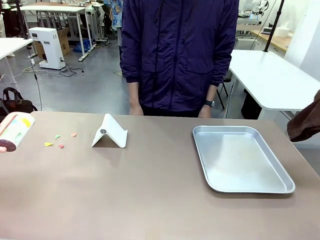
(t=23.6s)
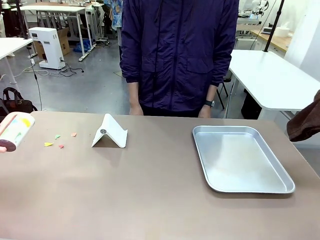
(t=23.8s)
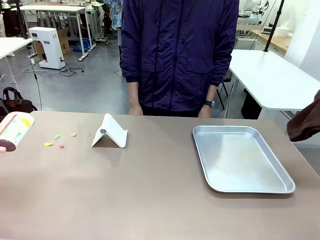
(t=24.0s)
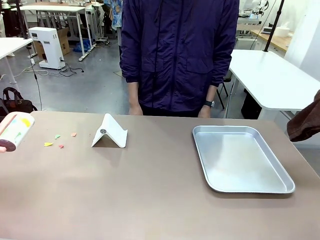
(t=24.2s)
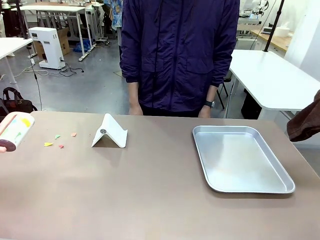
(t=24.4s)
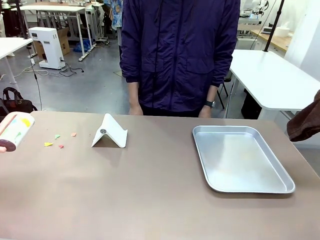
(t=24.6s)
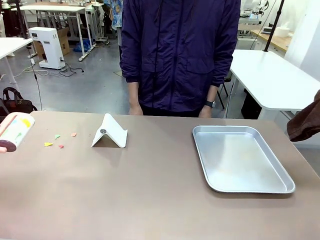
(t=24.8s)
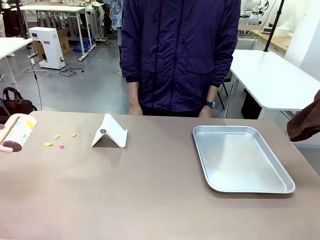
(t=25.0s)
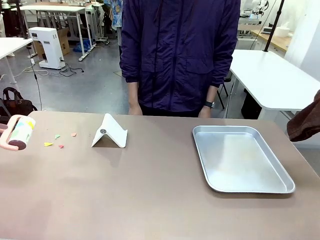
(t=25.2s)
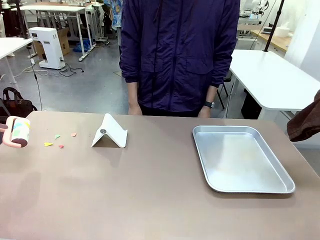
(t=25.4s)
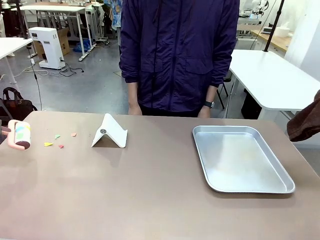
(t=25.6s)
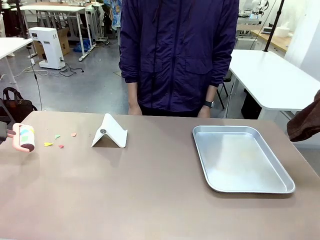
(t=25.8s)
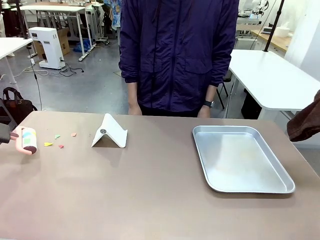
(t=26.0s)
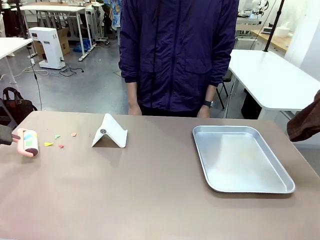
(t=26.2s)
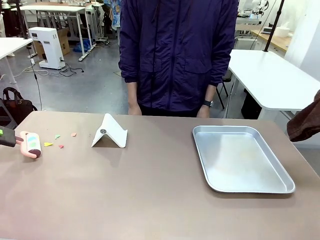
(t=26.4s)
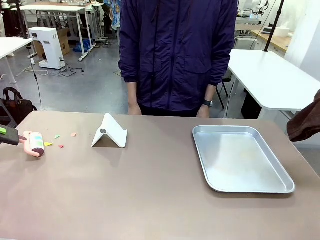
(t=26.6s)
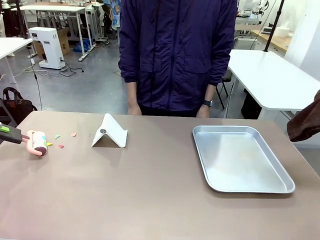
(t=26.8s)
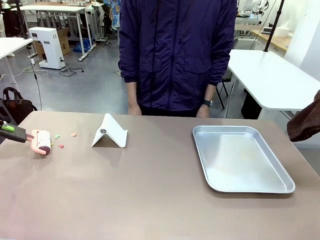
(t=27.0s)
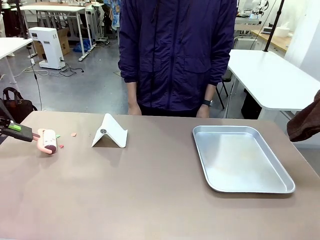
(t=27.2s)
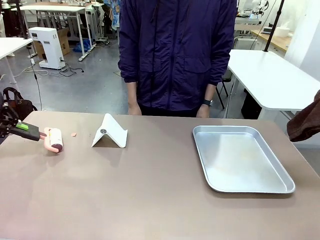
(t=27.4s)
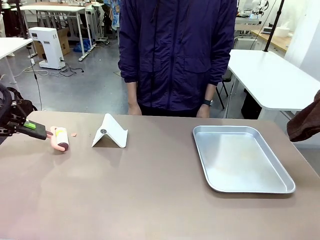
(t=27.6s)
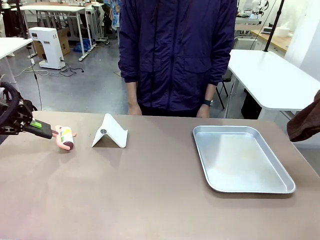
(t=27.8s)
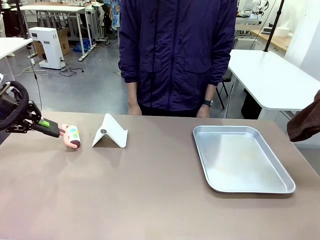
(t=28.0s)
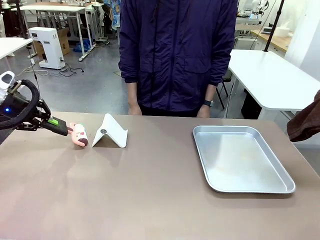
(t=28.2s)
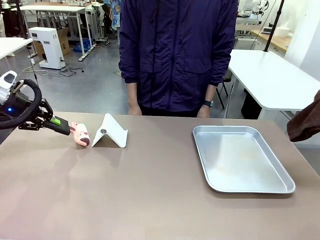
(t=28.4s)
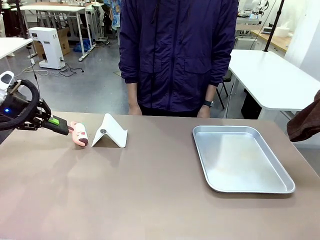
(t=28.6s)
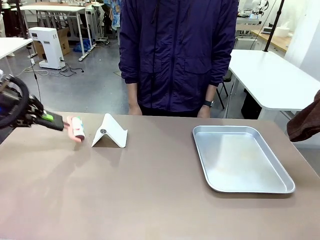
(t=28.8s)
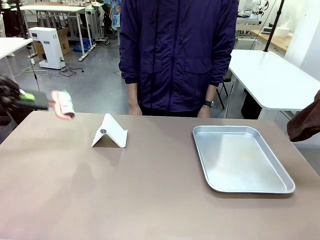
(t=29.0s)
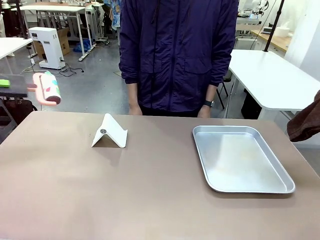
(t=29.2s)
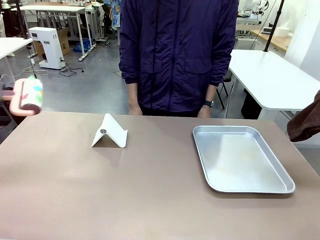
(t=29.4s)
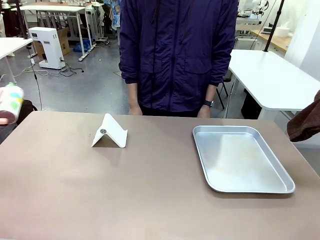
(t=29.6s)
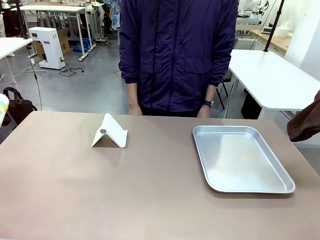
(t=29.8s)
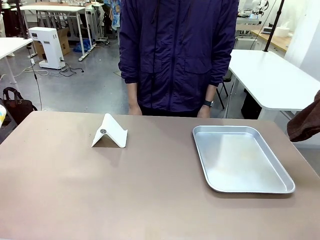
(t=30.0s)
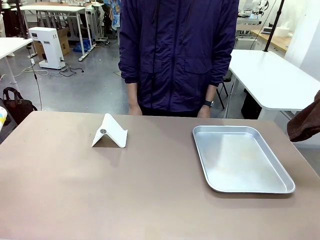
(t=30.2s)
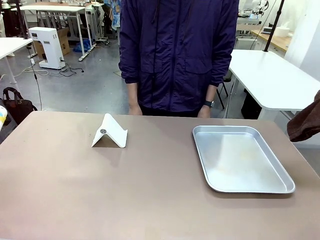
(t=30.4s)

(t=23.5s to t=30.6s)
Task: Clean the surface of the table.
Robot: Clean the area not pointed to by the person.

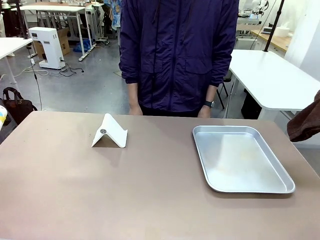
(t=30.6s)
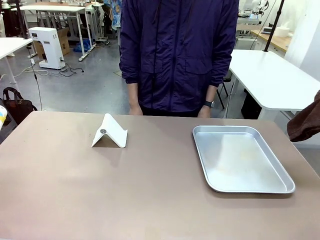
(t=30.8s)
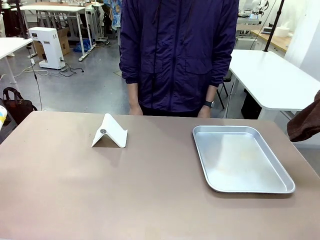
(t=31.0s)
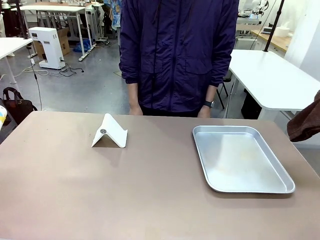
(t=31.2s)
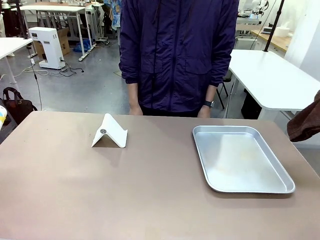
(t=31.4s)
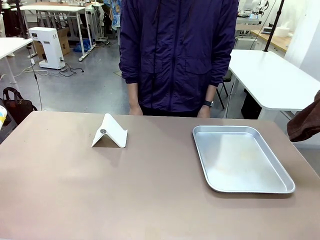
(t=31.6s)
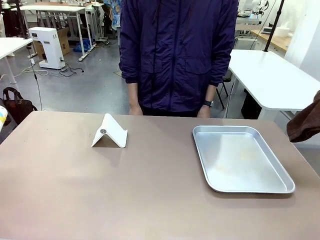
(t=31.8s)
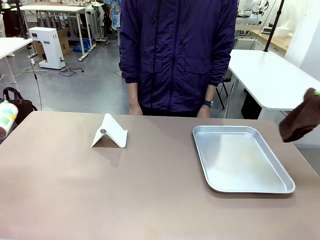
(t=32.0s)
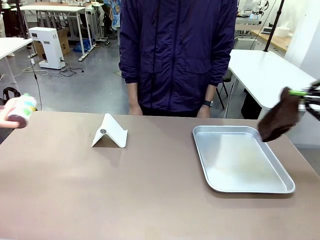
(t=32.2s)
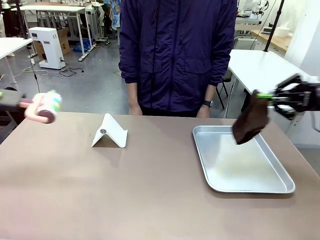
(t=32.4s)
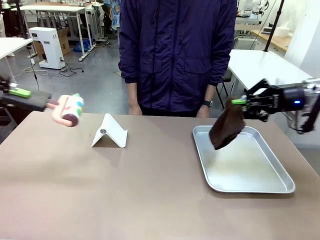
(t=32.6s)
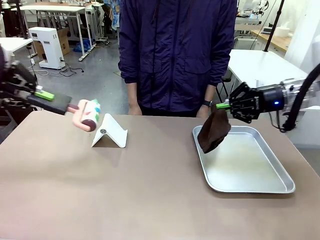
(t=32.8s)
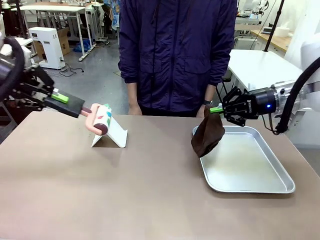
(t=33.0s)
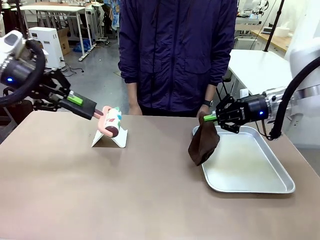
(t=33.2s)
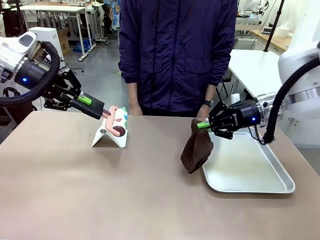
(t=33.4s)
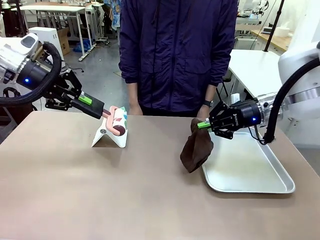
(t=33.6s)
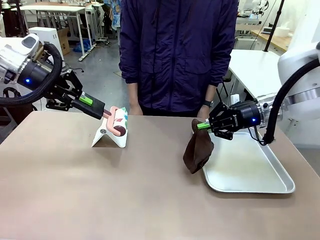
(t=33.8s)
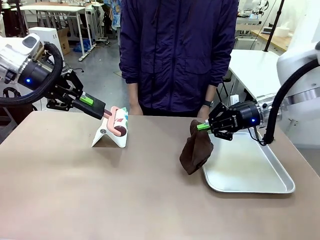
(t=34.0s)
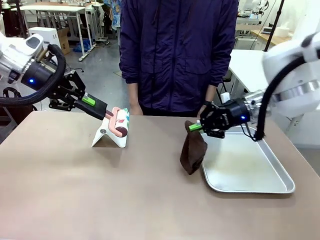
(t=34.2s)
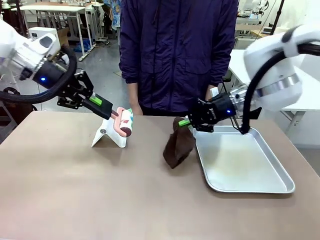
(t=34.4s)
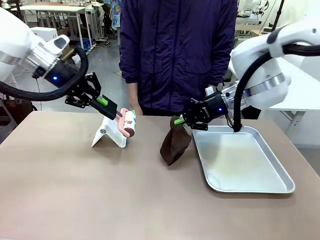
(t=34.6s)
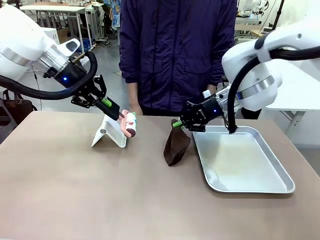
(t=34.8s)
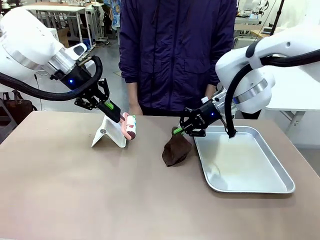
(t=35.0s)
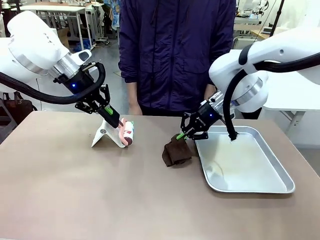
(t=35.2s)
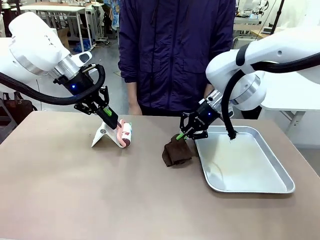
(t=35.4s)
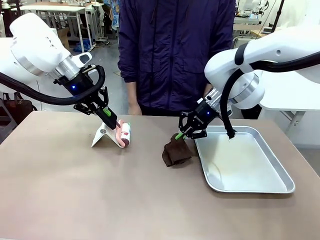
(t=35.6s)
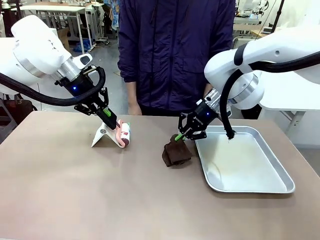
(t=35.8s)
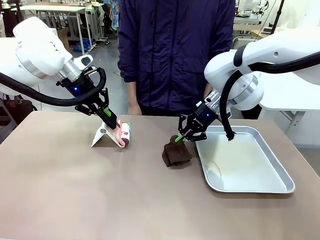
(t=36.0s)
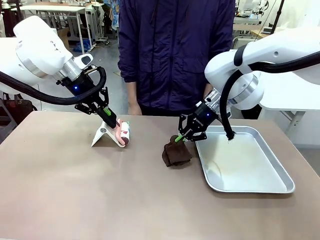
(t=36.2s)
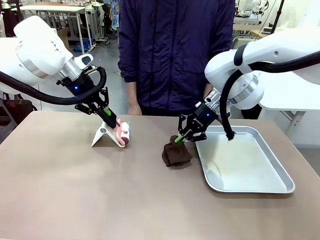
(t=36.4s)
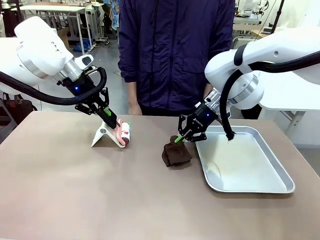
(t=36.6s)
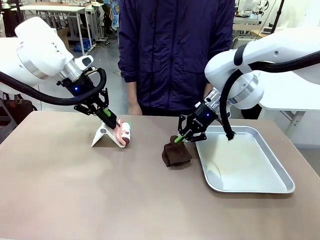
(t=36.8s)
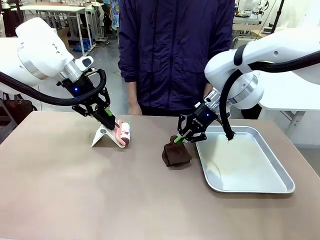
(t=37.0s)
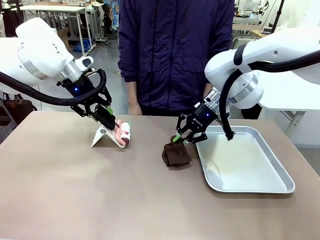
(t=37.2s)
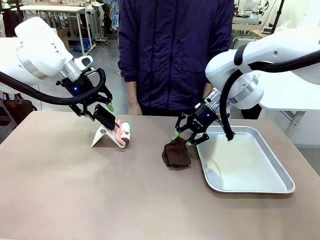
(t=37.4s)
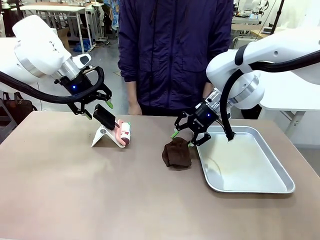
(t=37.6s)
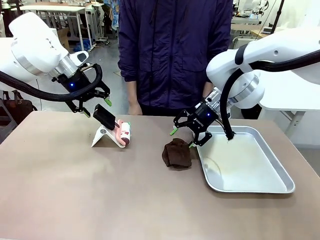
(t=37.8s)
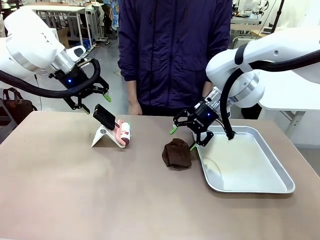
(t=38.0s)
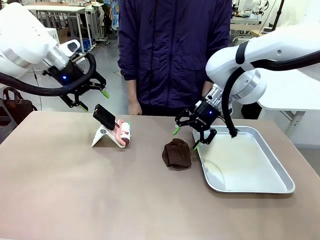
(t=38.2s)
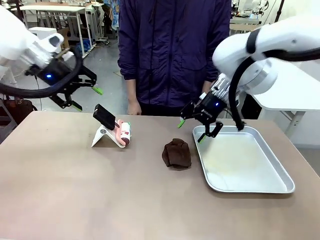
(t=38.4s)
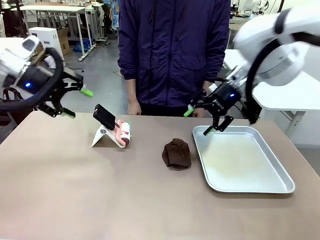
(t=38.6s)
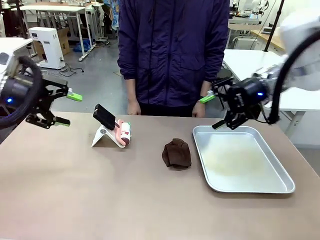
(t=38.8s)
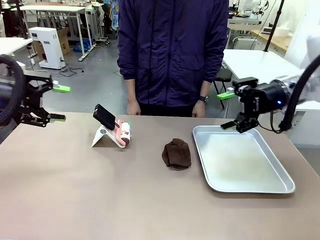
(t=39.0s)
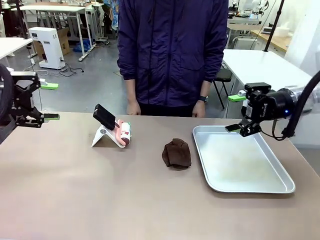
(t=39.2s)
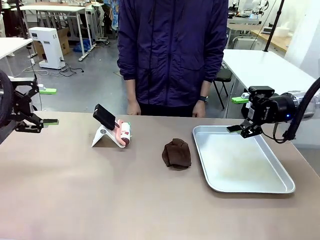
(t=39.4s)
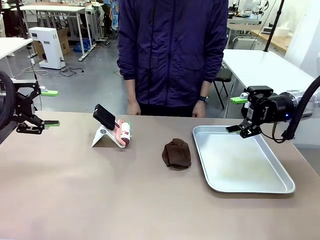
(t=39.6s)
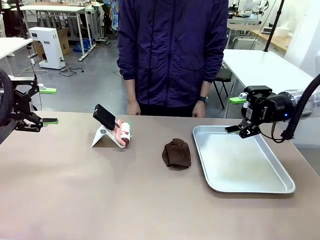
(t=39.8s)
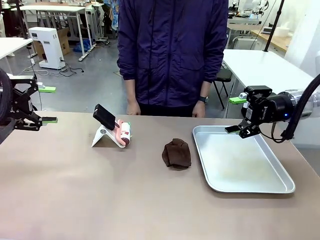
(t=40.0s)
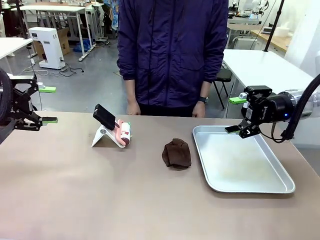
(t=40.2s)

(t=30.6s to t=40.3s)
Robot: Return the Lint Roller and towel to their original positions.

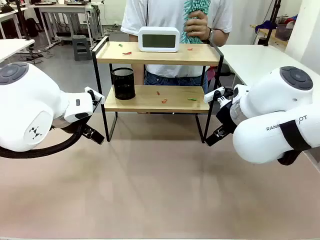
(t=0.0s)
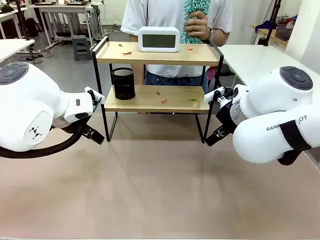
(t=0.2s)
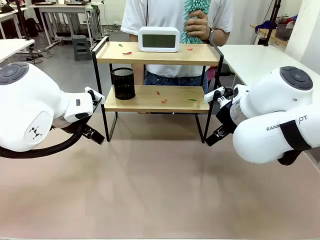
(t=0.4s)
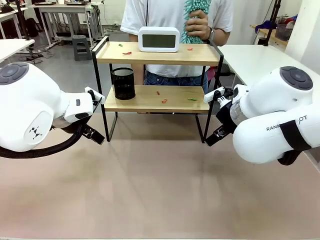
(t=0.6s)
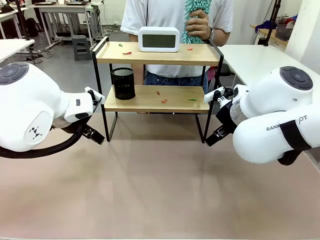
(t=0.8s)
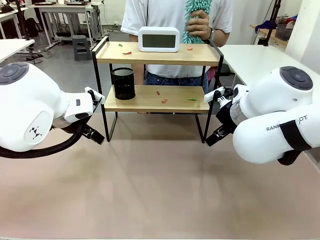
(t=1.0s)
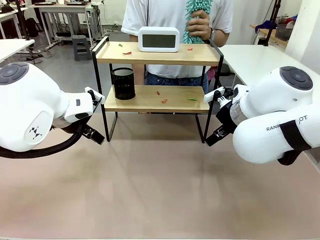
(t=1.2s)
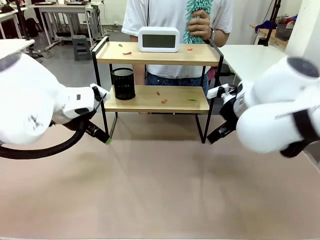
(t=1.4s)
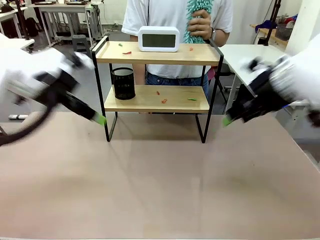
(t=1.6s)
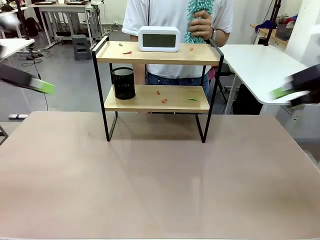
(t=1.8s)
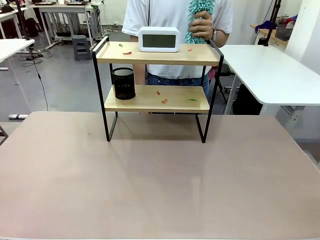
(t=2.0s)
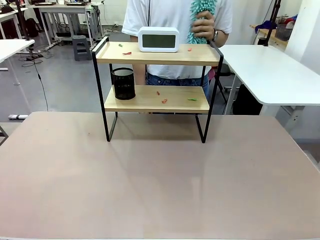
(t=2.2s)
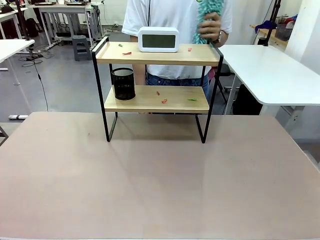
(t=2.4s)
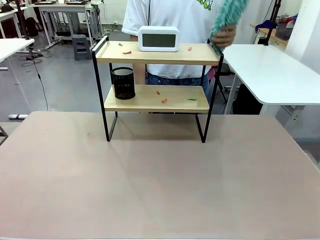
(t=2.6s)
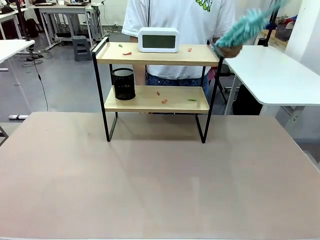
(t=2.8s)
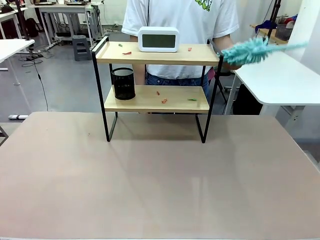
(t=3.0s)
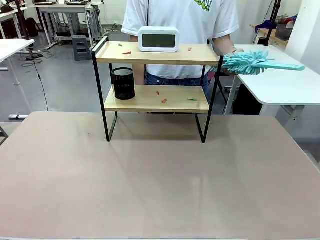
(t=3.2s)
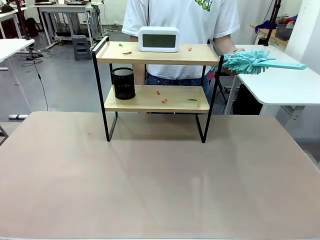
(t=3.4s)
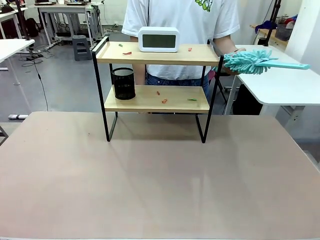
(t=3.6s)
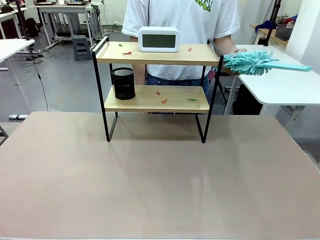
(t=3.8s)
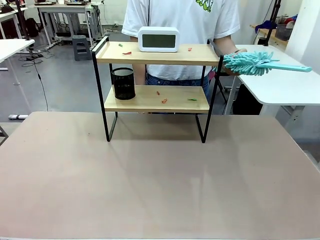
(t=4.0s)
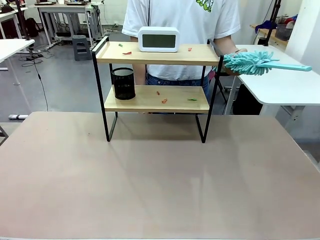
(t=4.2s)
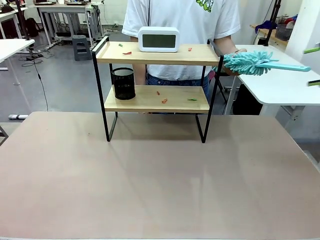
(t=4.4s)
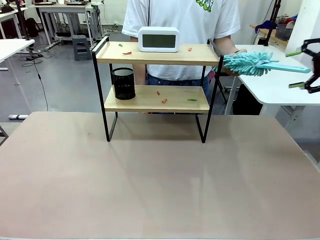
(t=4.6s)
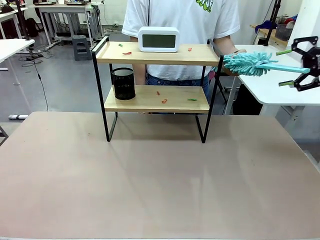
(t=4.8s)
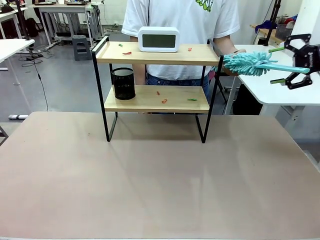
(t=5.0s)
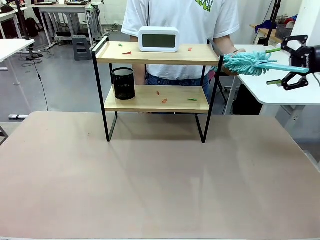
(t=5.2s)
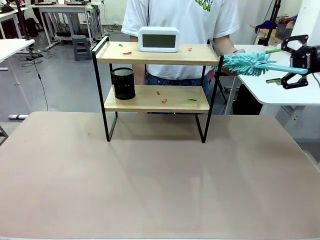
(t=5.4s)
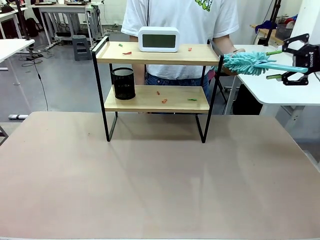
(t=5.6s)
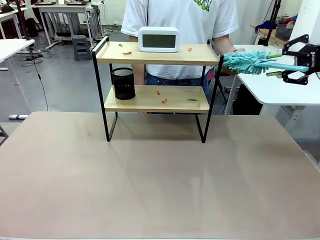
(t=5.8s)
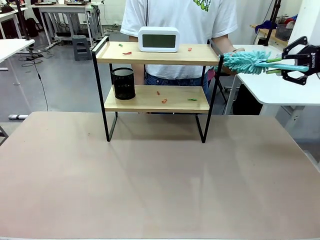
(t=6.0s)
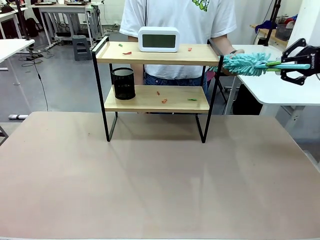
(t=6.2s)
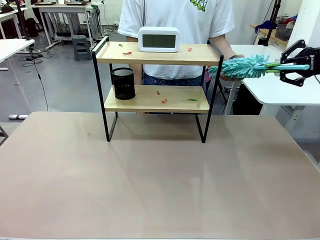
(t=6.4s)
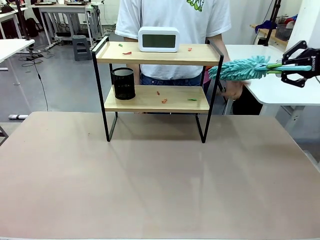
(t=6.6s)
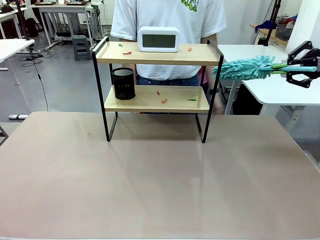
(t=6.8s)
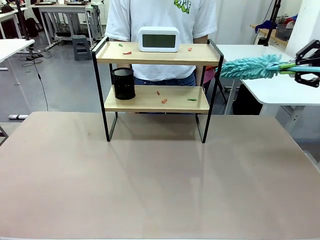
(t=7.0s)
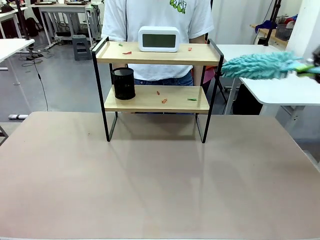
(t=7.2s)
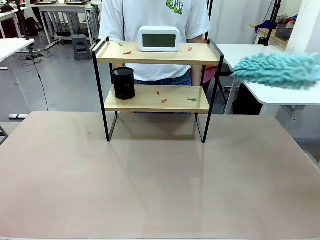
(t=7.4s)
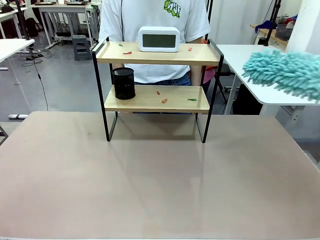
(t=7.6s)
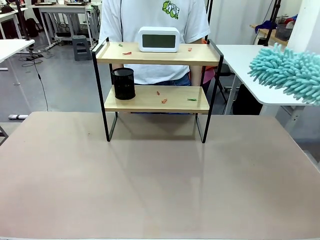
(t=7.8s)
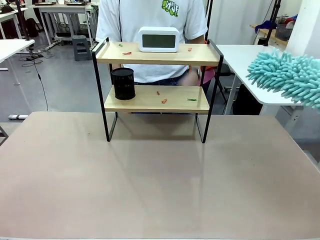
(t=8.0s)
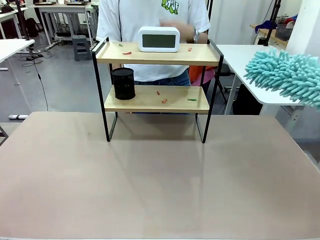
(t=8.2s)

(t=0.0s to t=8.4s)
Task: Clean the shelf.
Robot: Pick up the Duster from the human.
Person: Hand the Duster to the robot.
